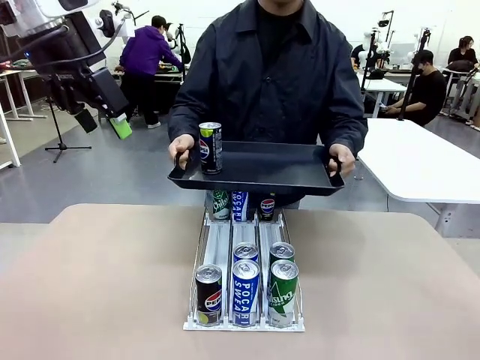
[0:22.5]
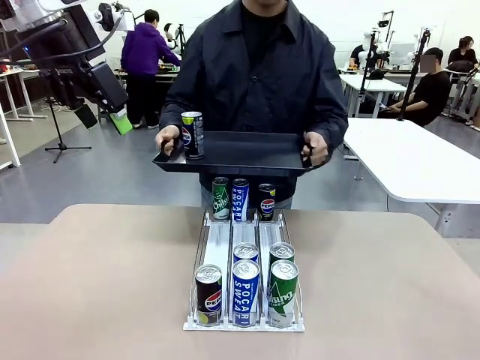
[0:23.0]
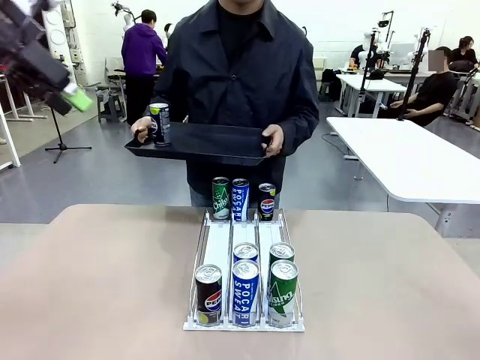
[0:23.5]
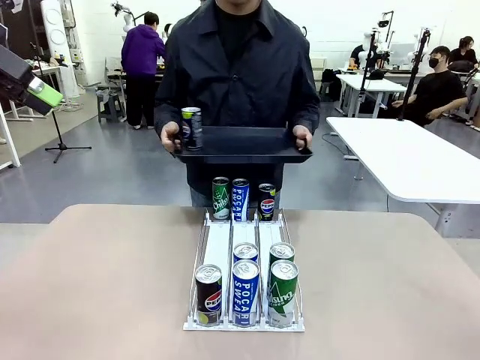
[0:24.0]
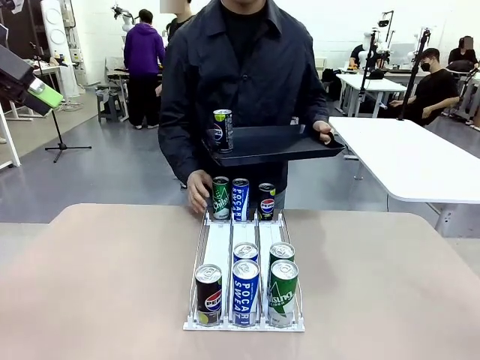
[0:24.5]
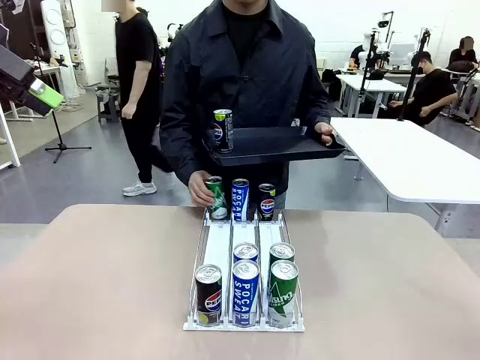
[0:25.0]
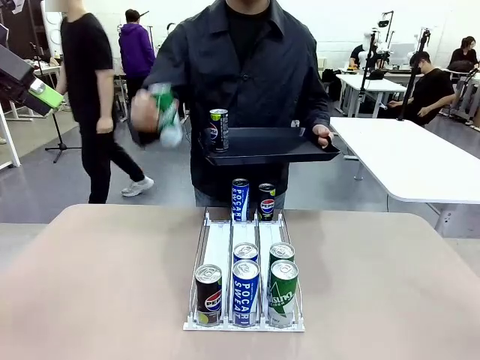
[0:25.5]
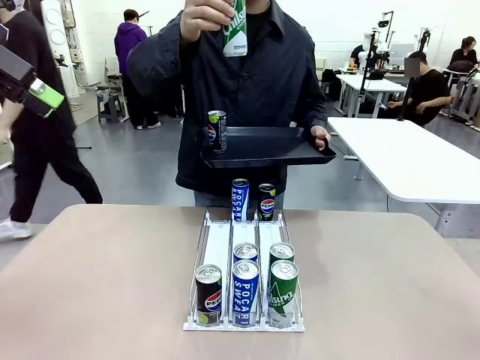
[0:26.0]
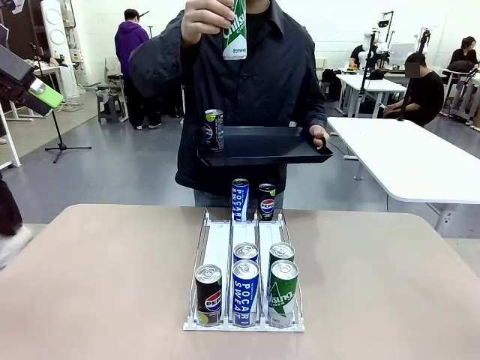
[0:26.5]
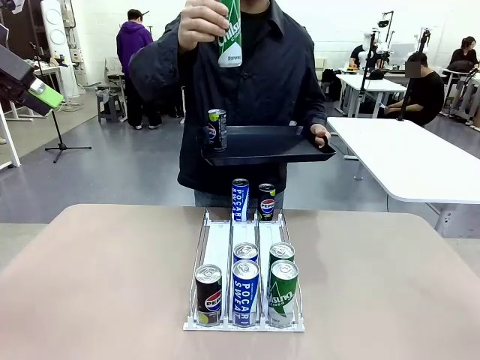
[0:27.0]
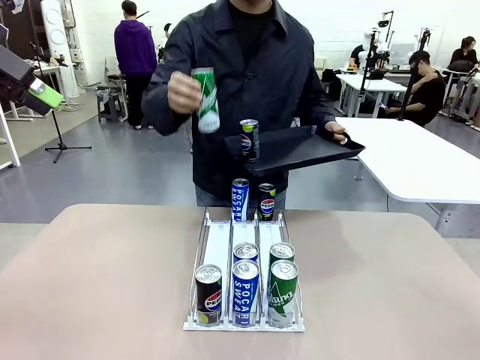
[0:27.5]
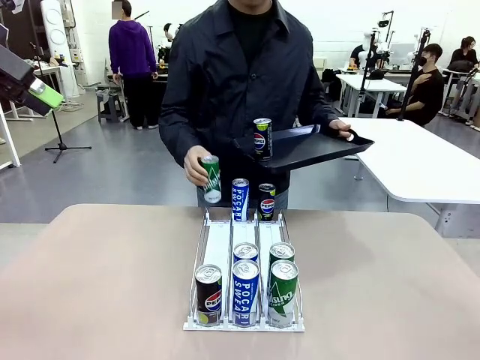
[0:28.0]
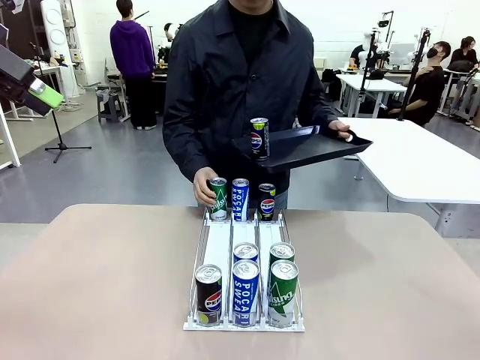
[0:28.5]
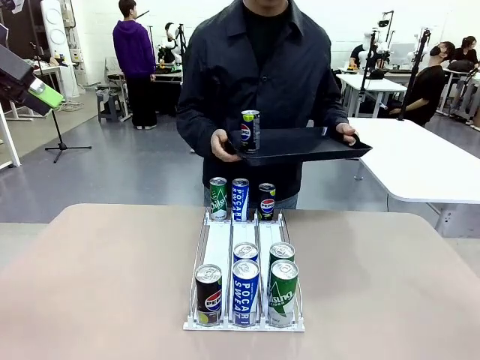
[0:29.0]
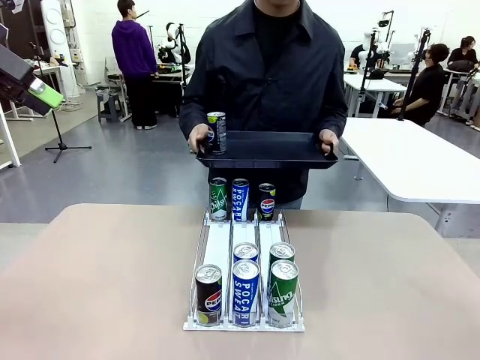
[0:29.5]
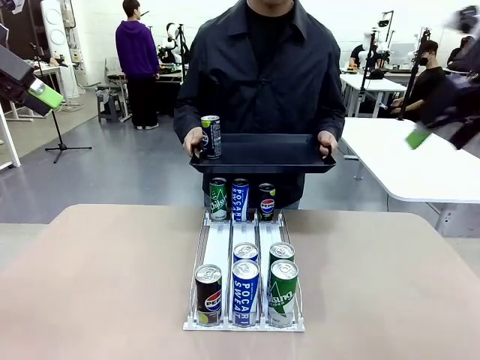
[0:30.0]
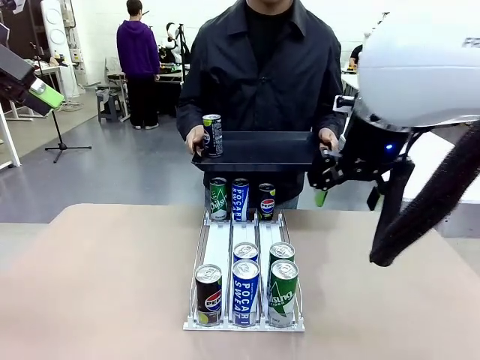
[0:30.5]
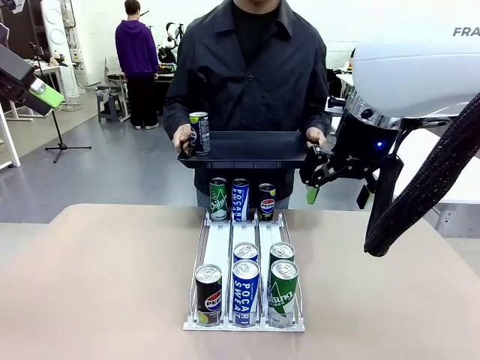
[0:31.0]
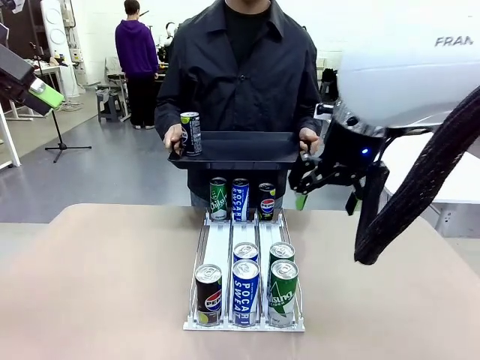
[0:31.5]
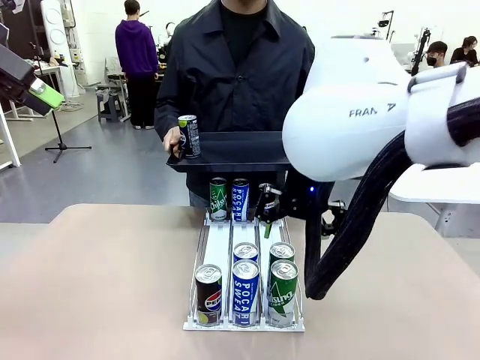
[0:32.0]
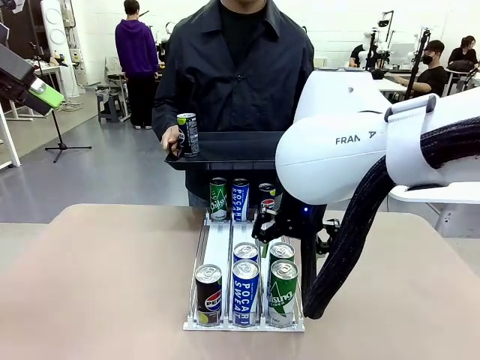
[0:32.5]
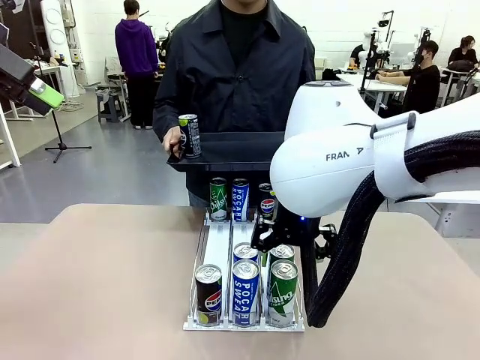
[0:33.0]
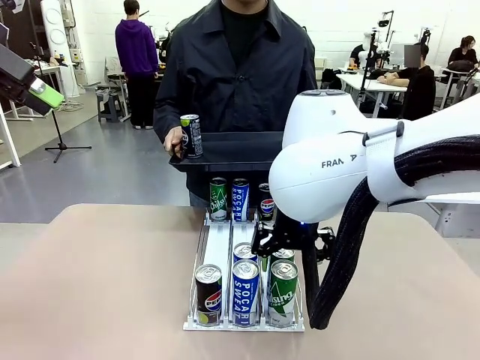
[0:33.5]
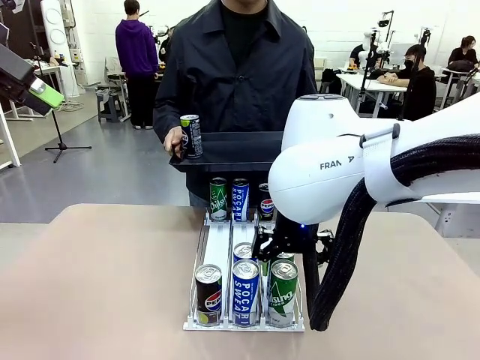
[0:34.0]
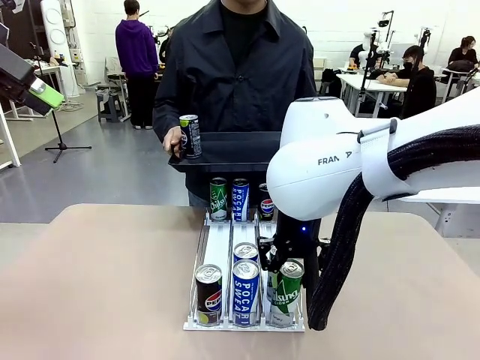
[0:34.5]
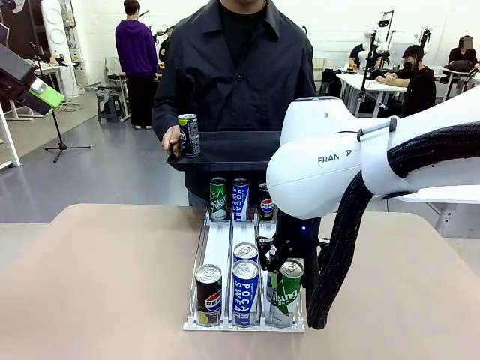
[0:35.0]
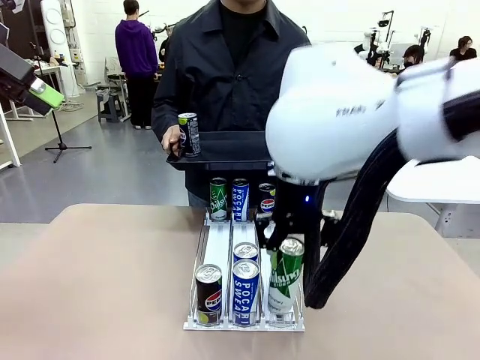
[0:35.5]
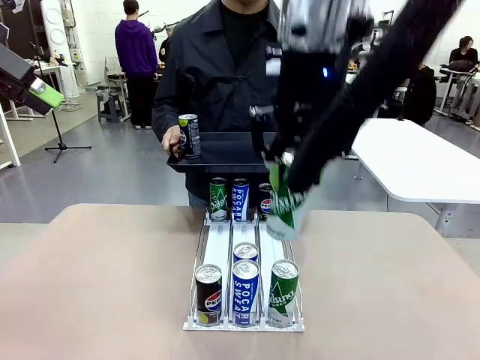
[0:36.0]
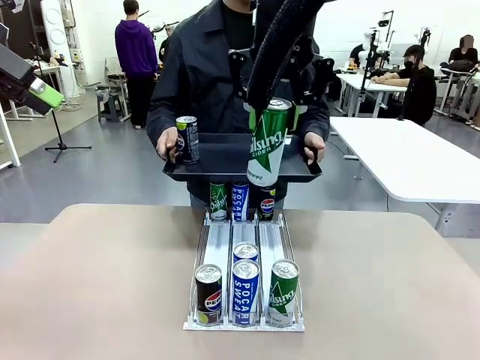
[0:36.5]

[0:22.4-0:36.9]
Task: Retrieve and hand over the desired beverage to the person.
Robot: Pick up another can of the same type that the person held from the Automatic Can Dispenser.
Person: Pull the tray back, then pick up another can from the bottom area of the table and puts it back in its original place. Push the tray toward the robot again.

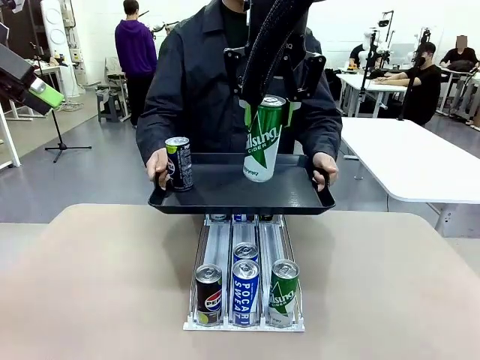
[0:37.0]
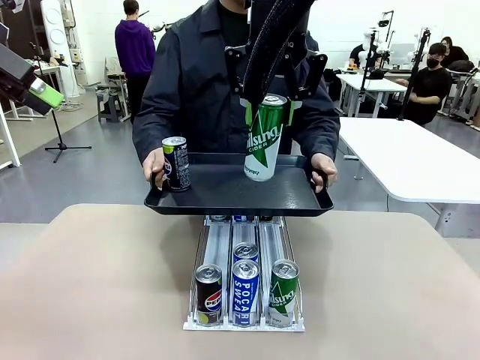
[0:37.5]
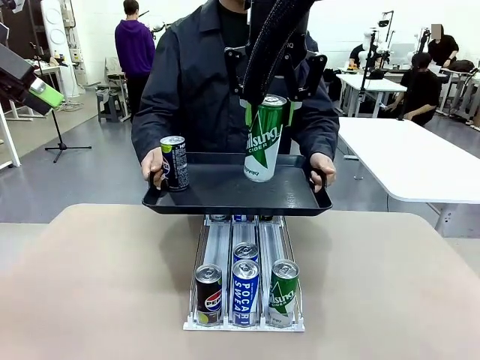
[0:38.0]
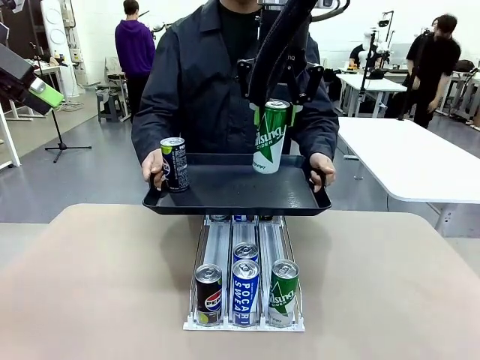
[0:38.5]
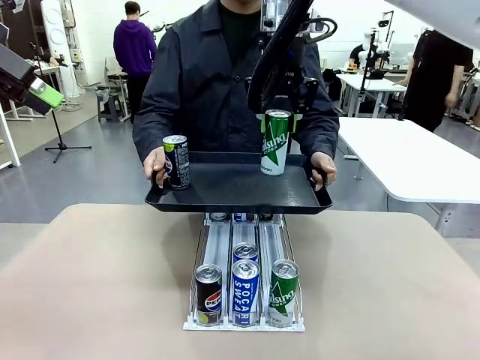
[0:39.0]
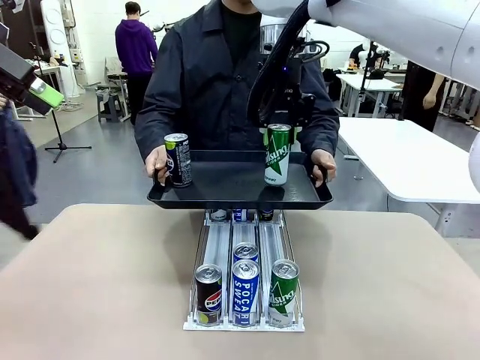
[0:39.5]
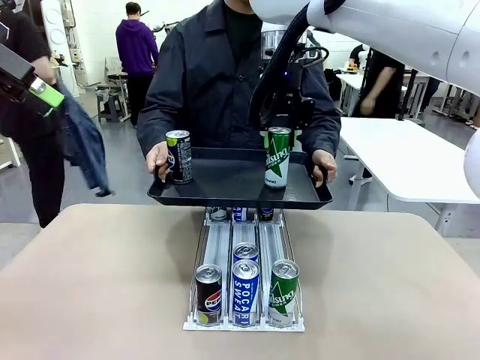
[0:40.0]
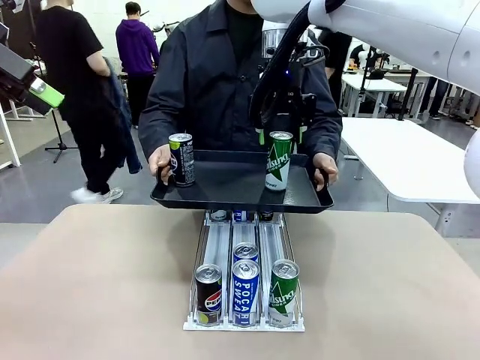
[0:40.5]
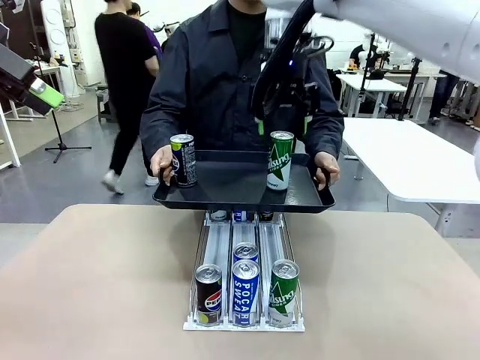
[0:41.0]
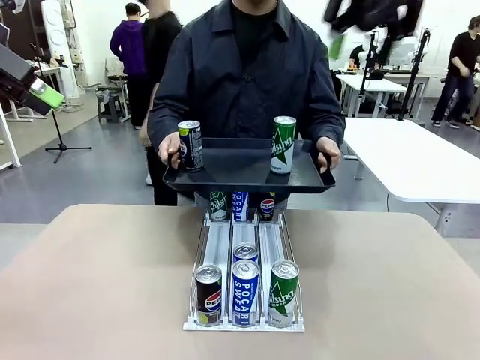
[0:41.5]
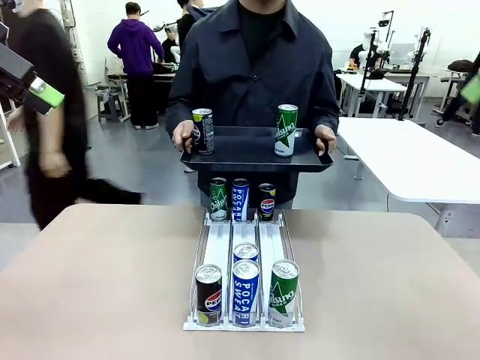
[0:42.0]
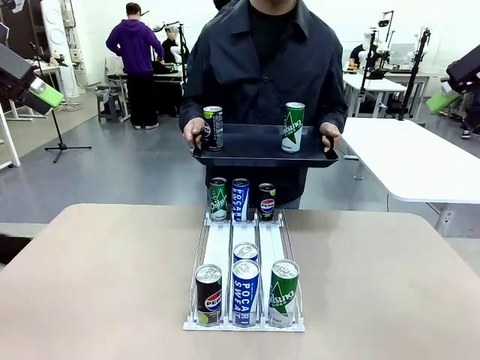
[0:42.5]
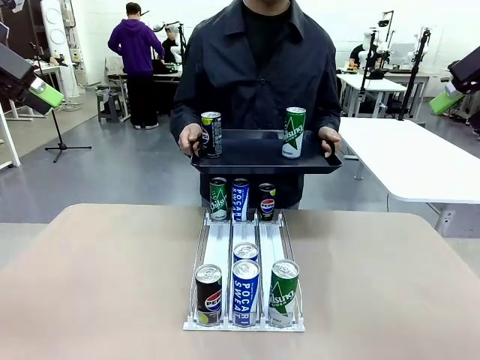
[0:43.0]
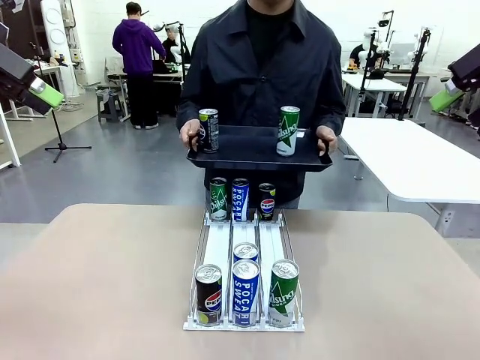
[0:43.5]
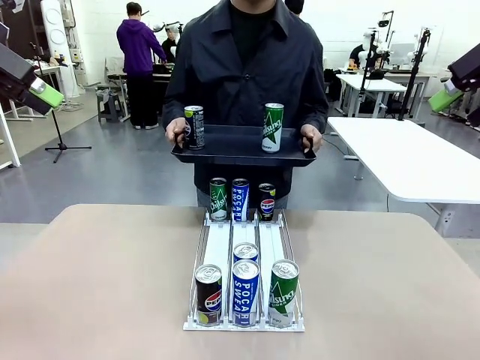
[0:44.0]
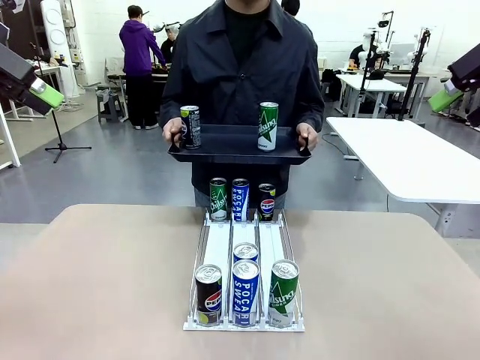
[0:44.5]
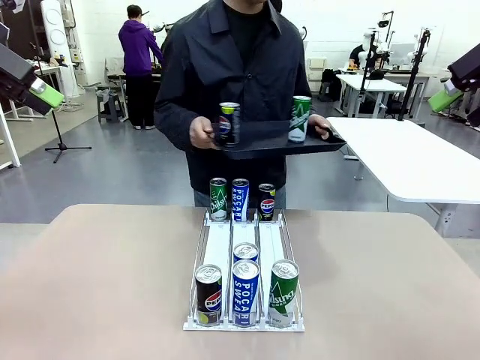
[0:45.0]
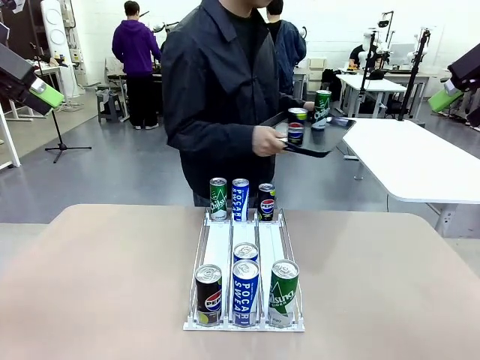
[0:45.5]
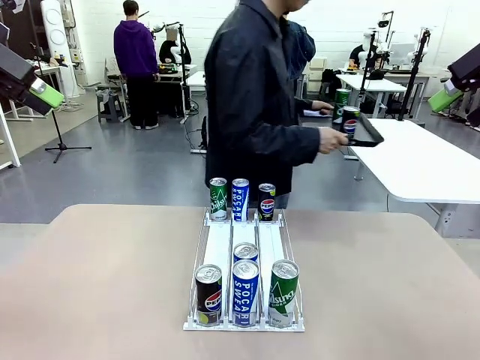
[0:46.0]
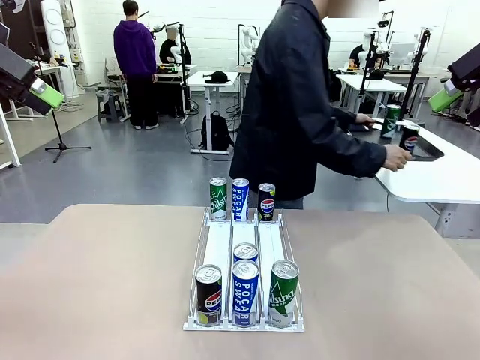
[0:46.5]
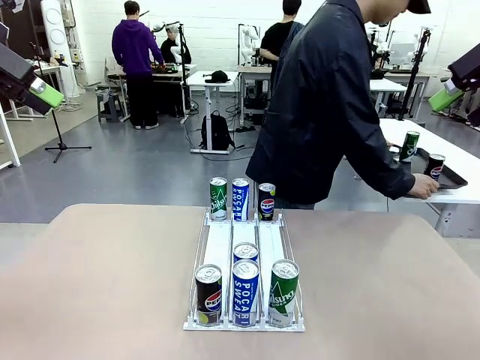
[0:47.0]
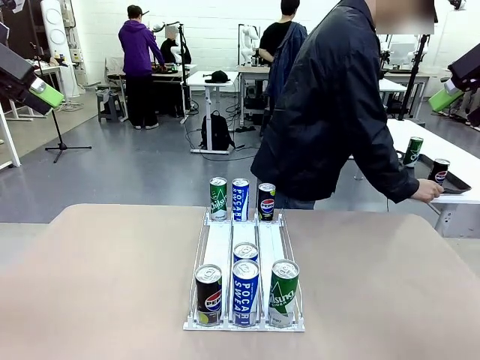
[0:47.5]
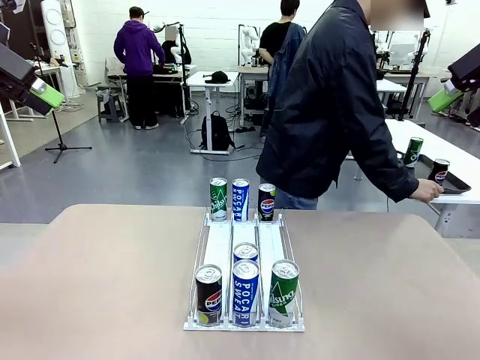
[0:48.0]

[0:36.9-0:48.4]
Robot: Place the picked can on the Handle tray extended by the person.
Person: Pull the tray back and place it at the center of the human table.
